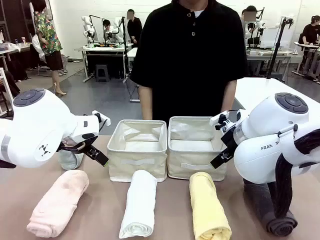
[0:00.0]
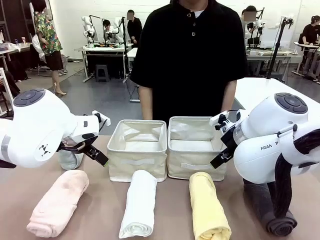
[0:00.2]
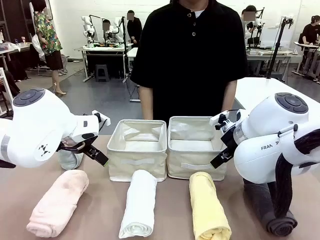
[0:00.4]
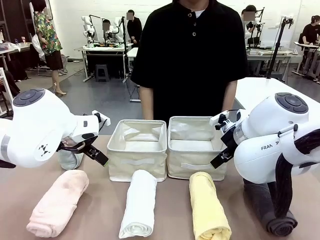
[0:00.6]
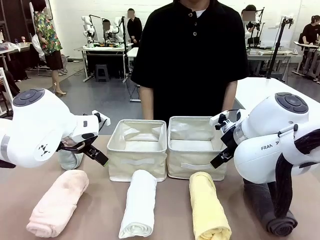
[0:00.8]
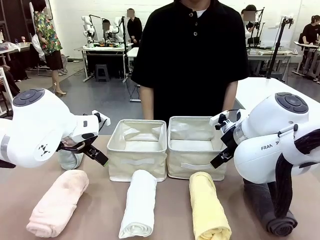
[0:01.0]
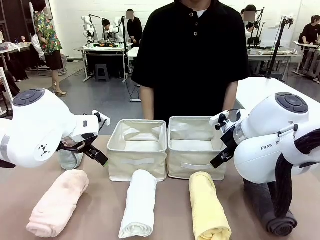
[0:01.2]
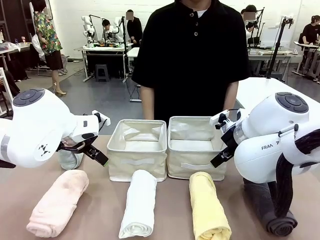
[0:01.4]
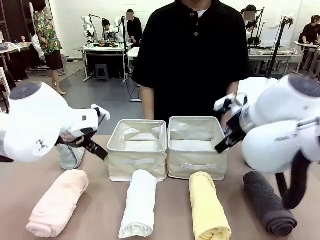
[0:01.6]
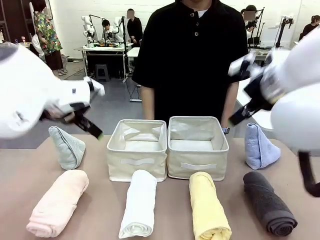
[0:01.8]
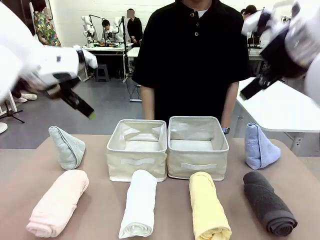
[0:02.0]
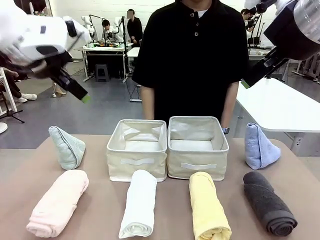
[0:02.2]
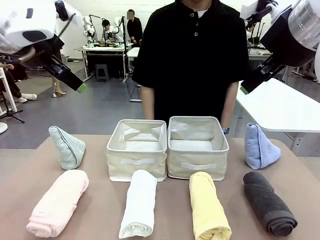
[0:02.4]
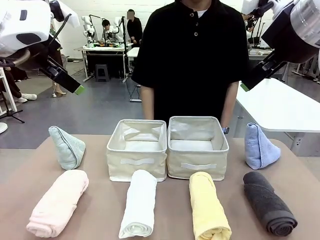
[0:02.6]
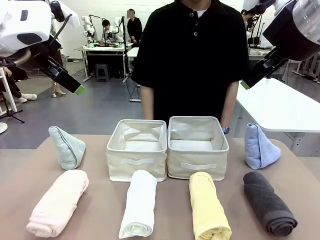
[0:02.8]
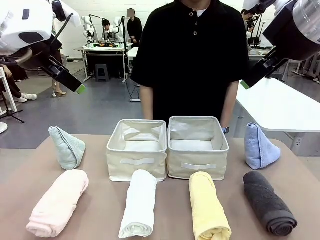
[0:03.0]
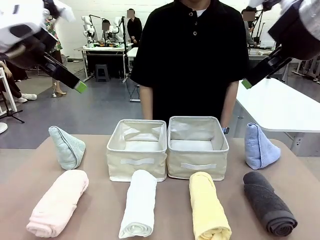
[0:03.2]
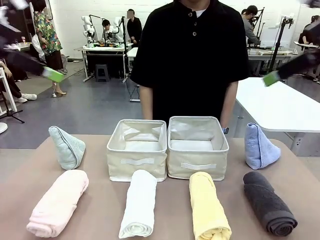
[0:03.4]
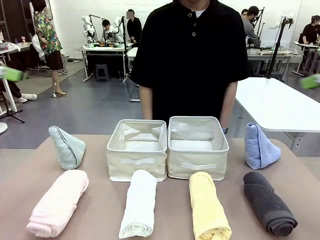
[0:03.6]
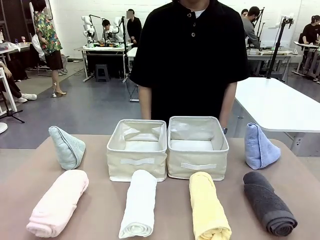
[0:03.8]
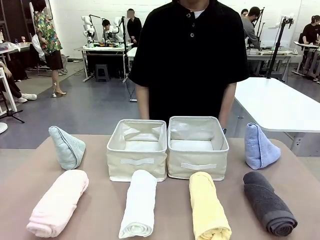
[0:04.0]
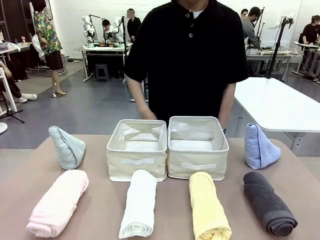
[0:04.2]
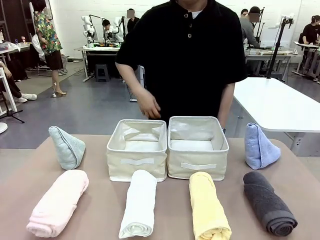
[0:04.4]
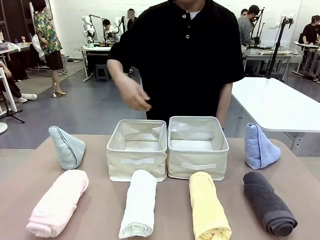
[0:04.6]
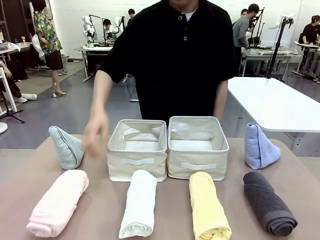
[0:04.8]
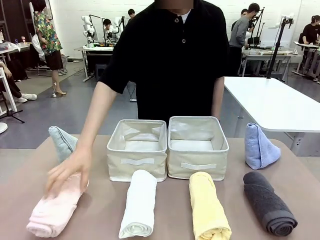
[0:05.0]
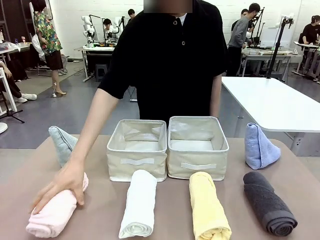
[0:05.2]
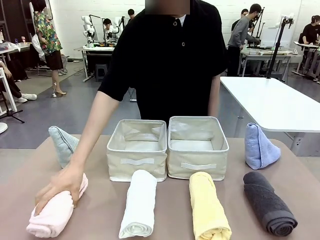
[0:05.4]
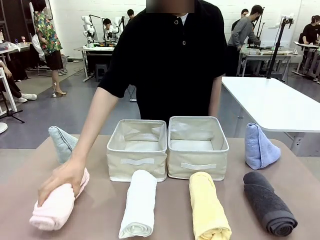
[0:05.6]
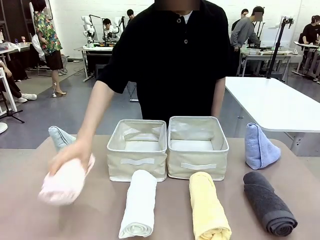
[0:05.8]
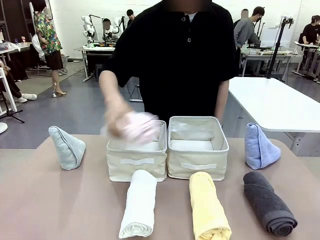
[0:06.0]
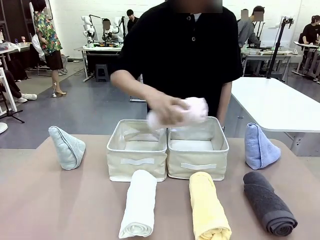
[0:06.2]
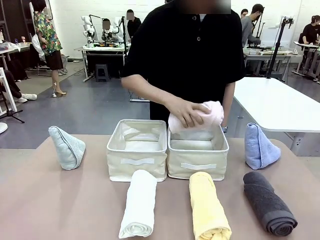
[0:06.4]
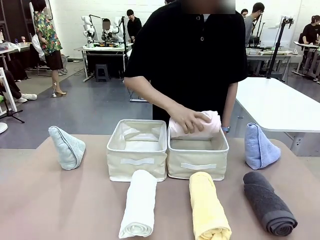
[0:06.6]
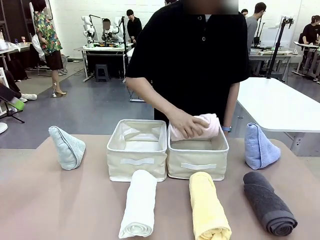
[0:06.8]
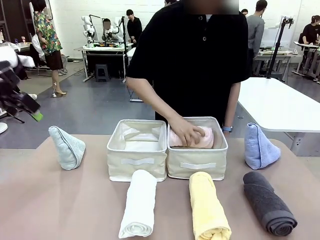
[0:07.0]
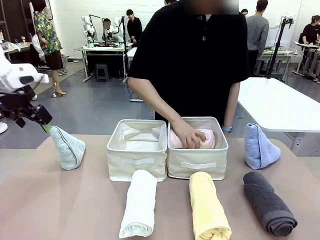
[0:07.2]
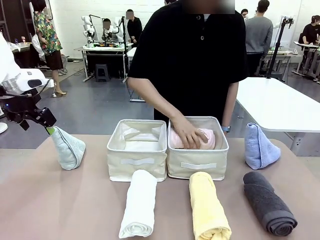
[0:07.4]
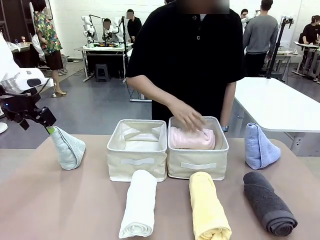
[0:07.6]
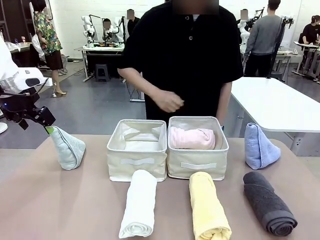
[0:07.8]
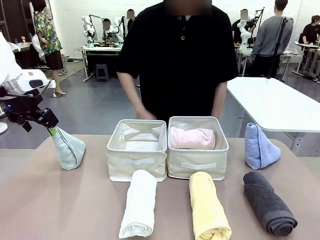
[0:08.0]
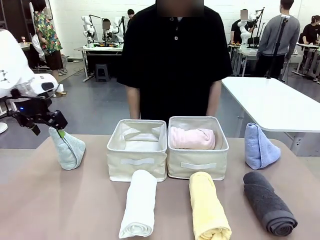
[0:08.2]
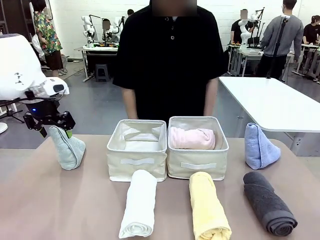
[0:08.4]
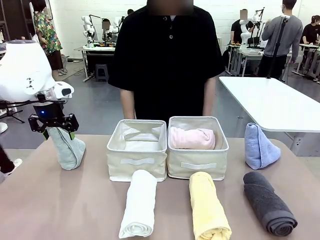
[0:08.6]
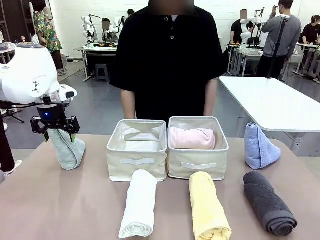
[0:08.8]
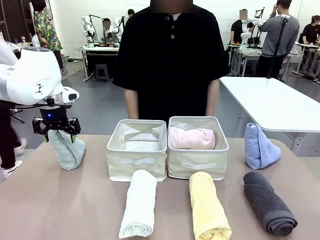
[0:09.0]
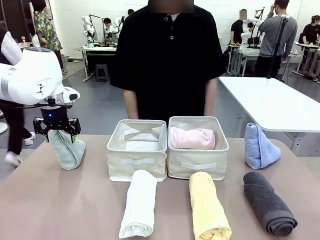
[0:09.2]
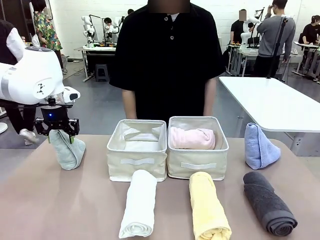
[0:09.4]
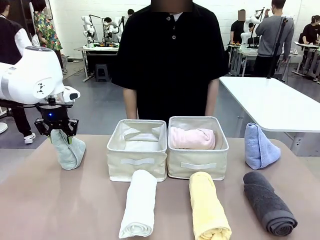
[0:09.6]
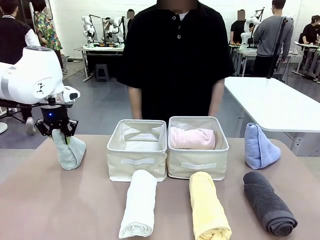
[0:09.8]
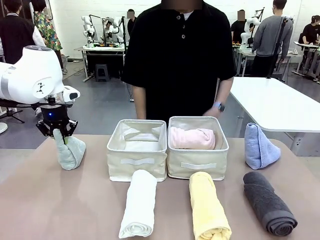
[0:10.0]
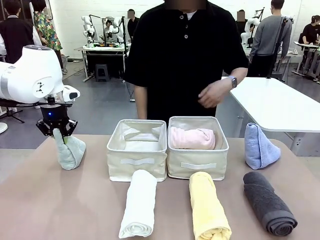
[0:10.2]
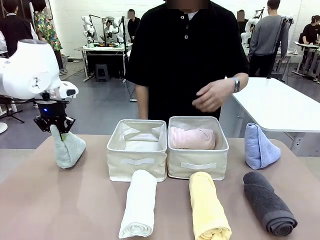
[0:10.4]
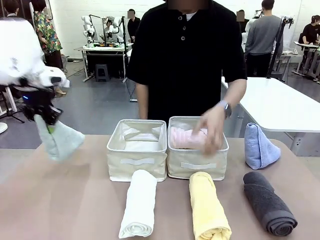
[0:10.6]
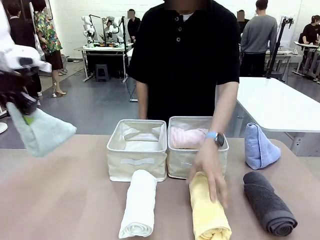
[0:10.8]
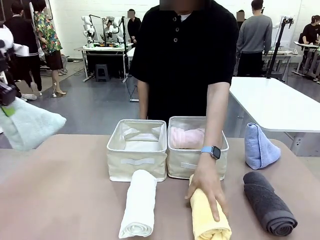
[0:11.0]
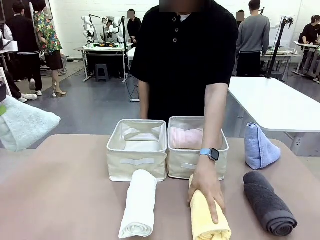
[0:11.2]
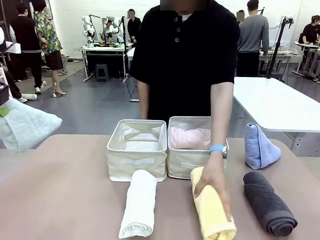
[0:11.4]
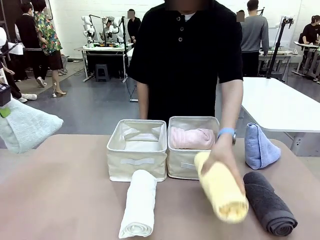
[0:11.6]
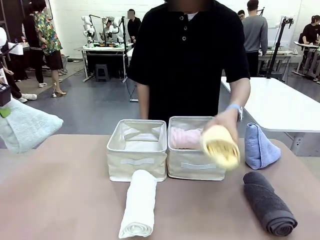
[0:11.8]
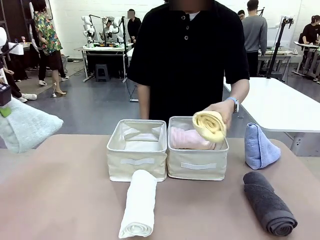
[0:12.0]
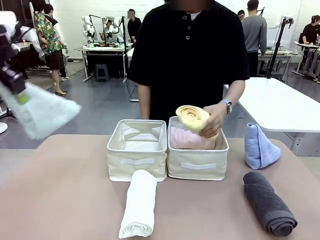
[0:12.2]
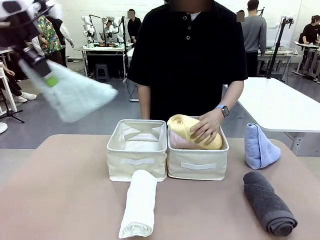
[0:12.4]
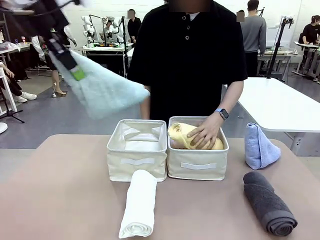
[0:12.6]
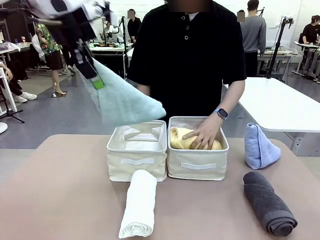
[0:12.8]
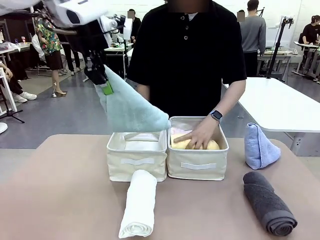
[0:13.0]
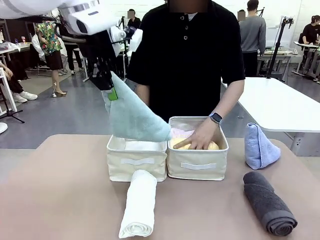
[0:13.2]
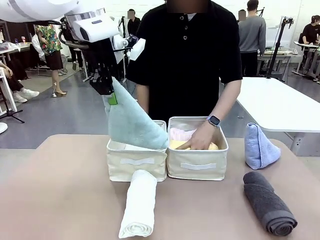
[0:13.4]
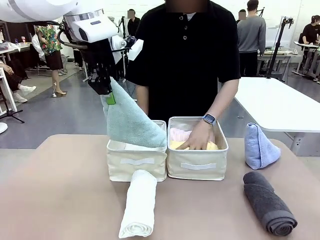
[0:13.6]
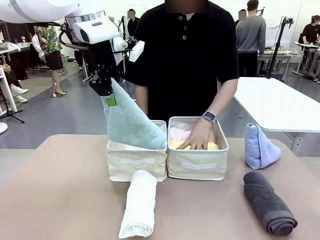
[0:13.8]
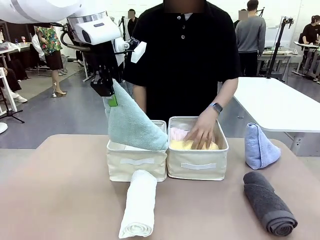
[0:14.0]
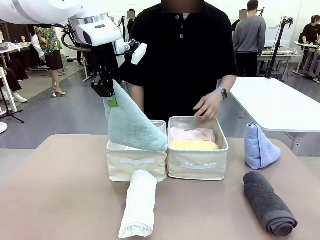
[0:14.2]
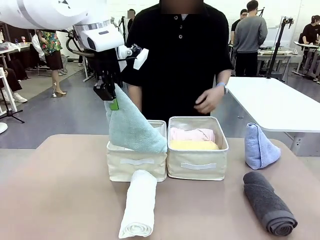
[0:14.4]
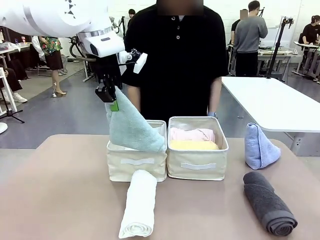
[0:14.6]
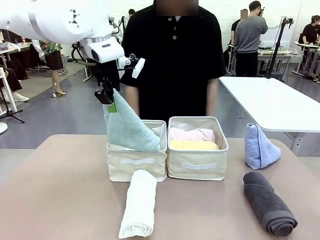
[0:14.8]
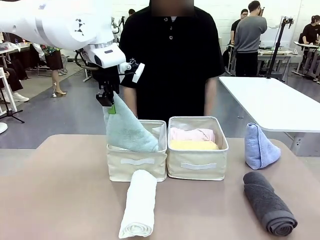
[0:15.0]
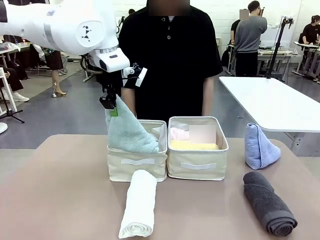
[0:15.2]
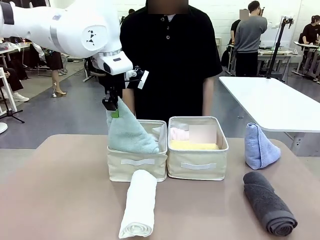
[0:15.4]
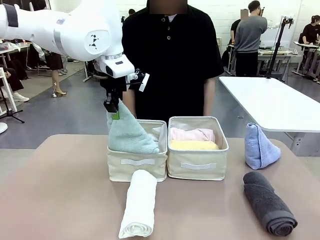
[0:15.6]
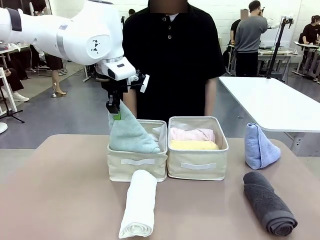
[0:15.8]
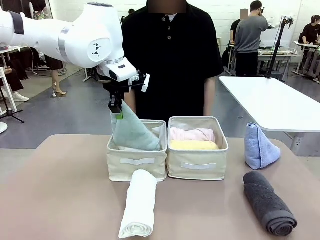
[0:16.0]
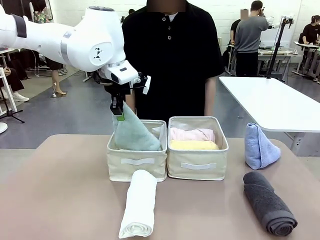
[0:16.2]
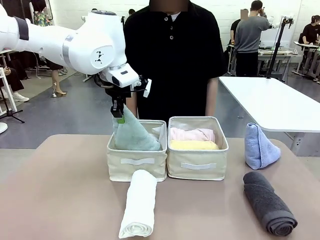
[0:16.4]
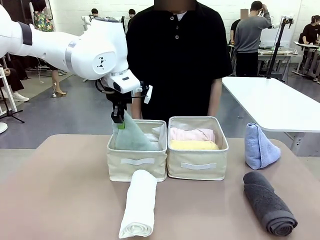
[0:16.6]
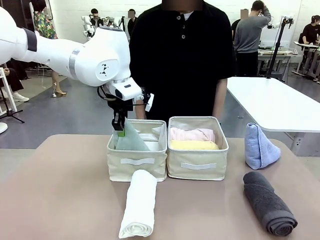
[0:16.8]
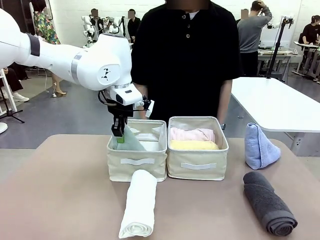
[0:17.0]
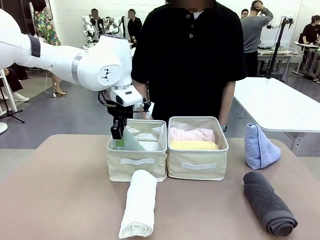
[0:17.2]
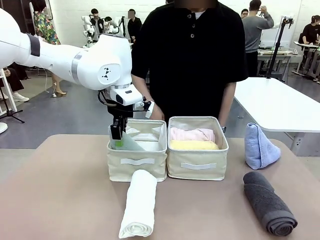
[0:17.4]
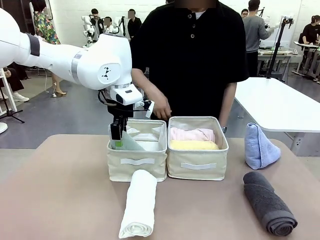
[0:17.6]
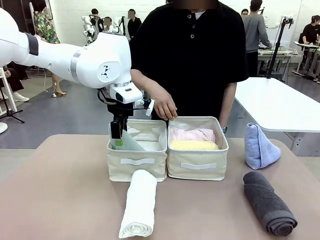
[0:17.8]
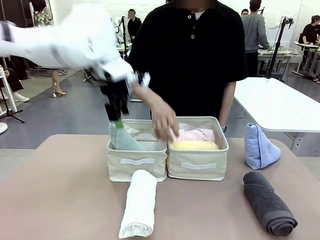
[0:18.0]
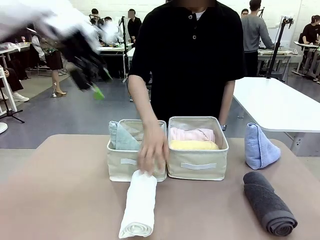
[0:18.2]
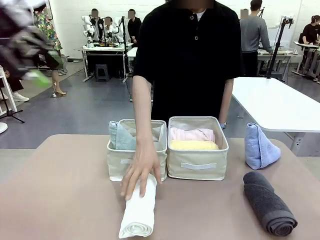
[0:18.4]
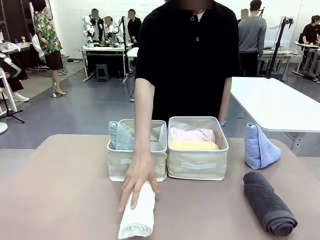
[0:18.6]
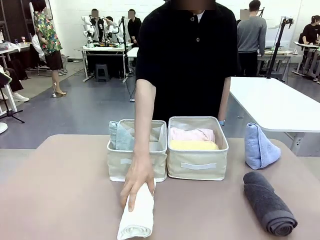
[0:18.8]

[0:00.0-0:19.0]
Task: Sort the towels based on their folding style.
Robot: Pick up one triangle-folded towel and place it in the left Fabric basket.
Person: Pick up one hotel-style rolled towel and place it in the left fabric basket.
